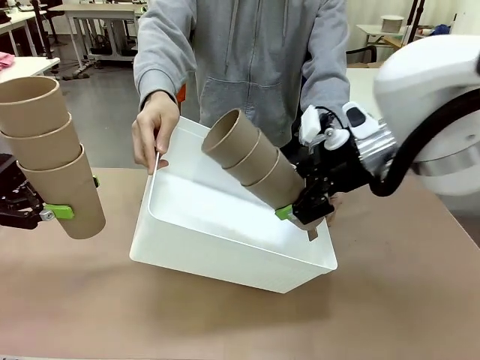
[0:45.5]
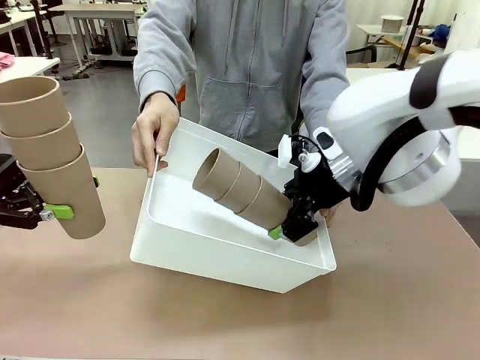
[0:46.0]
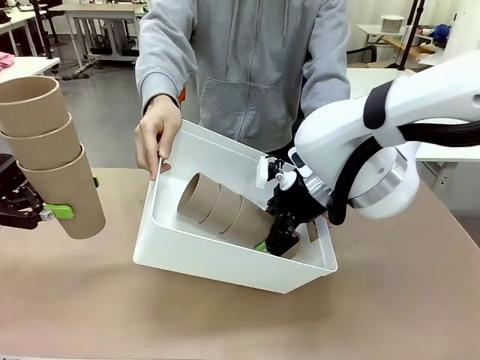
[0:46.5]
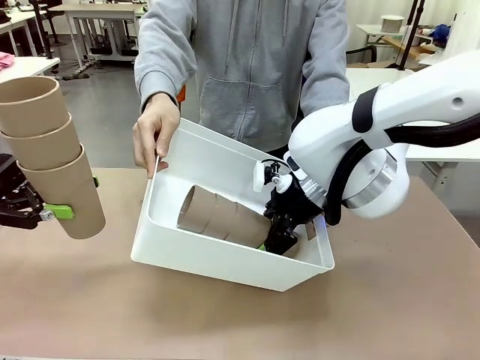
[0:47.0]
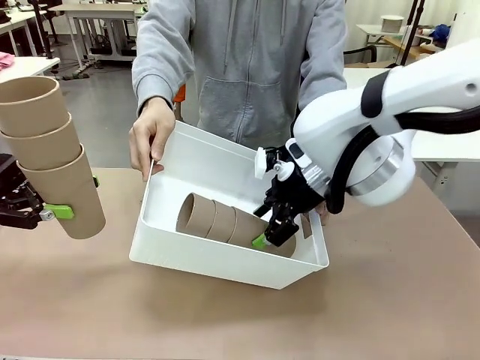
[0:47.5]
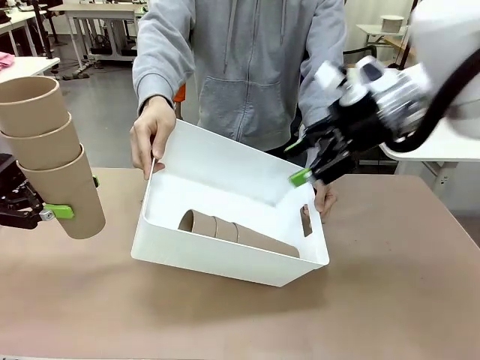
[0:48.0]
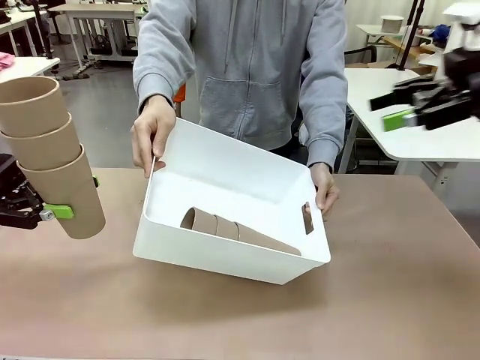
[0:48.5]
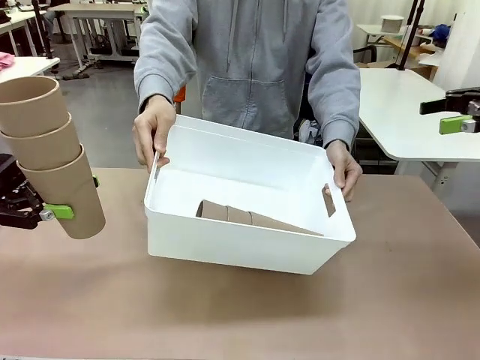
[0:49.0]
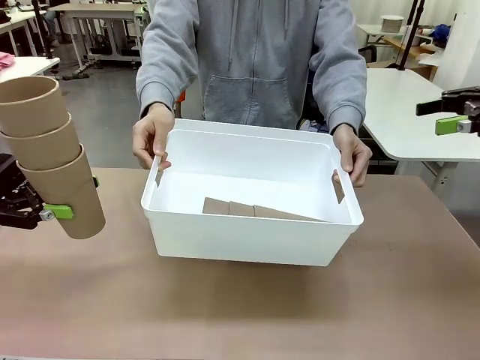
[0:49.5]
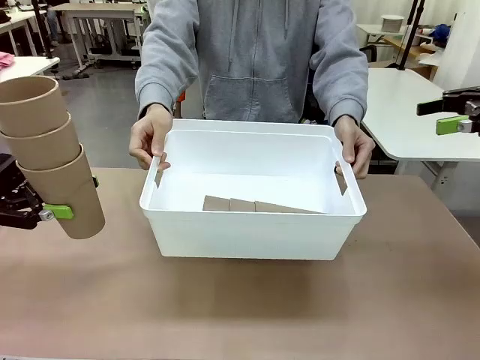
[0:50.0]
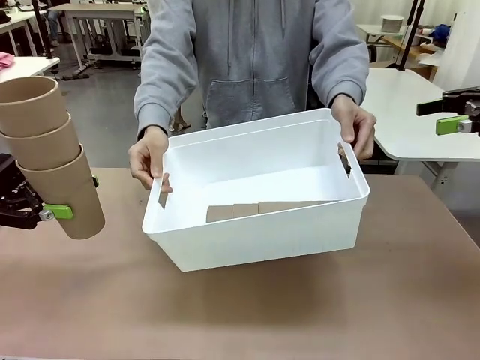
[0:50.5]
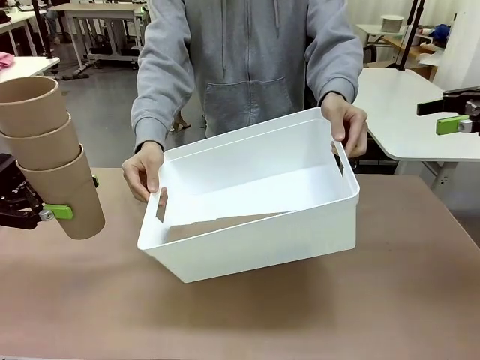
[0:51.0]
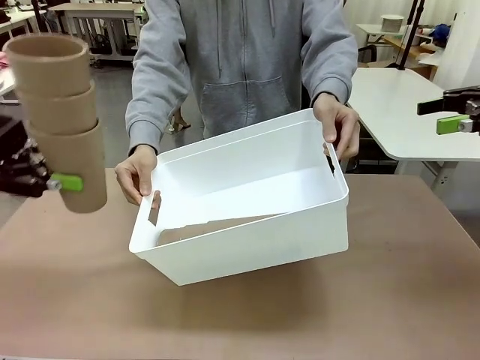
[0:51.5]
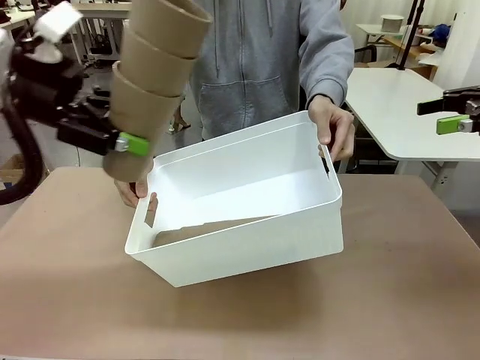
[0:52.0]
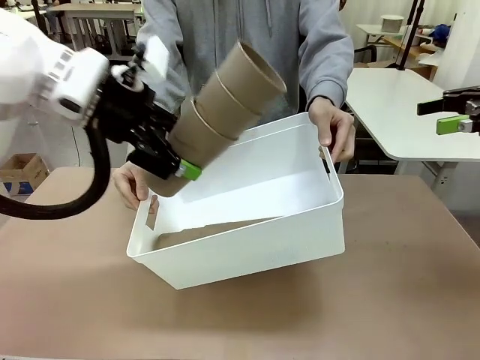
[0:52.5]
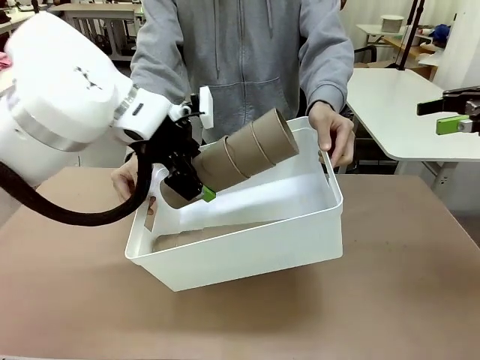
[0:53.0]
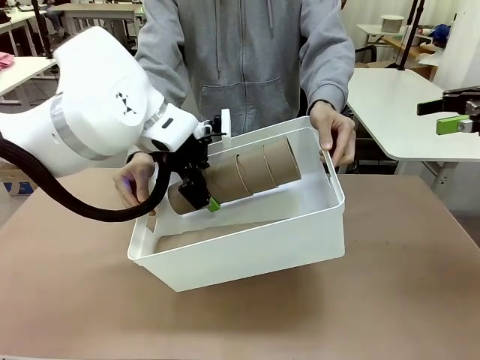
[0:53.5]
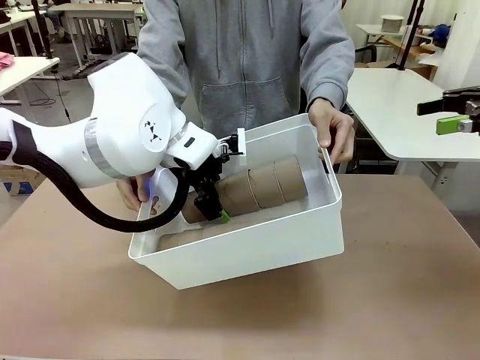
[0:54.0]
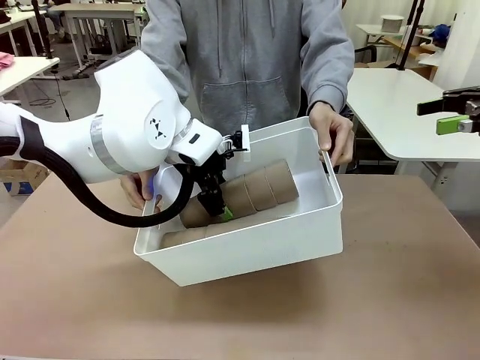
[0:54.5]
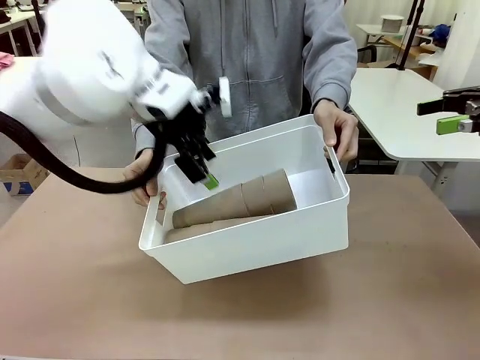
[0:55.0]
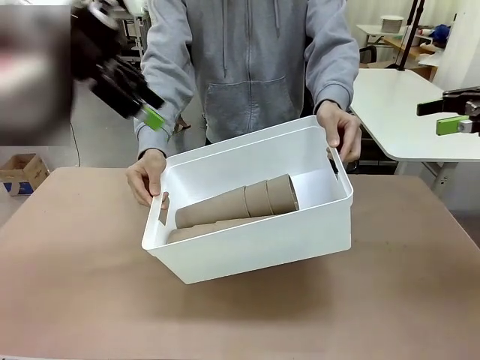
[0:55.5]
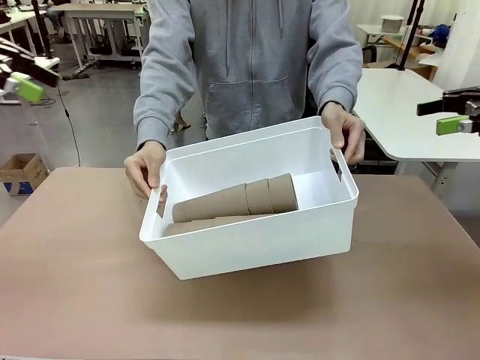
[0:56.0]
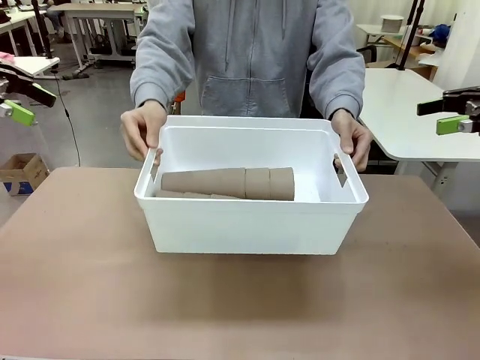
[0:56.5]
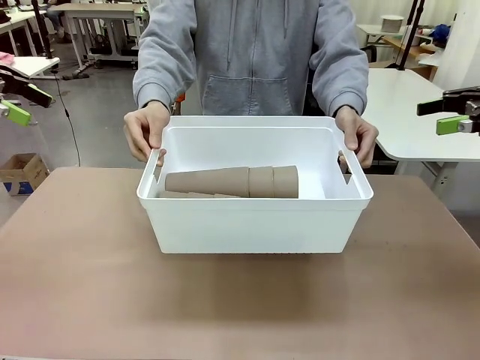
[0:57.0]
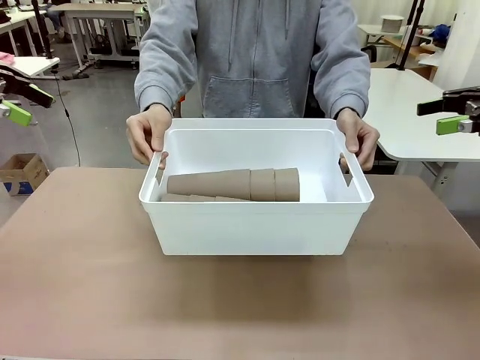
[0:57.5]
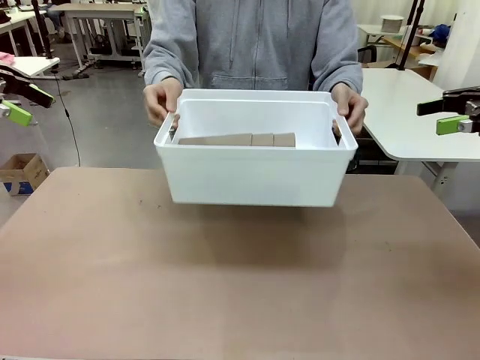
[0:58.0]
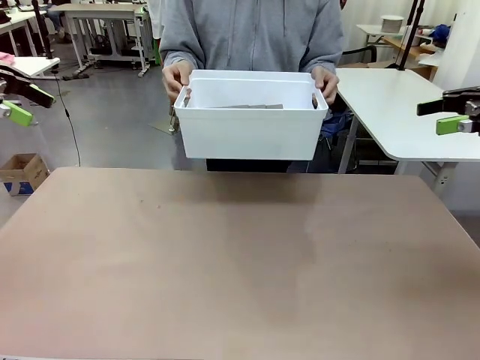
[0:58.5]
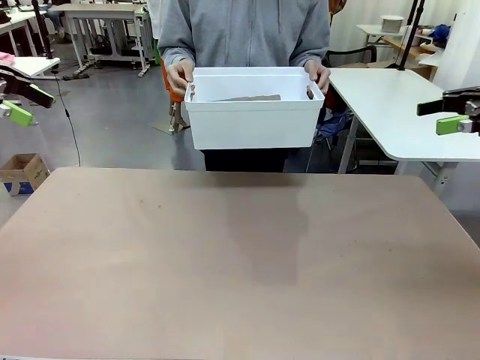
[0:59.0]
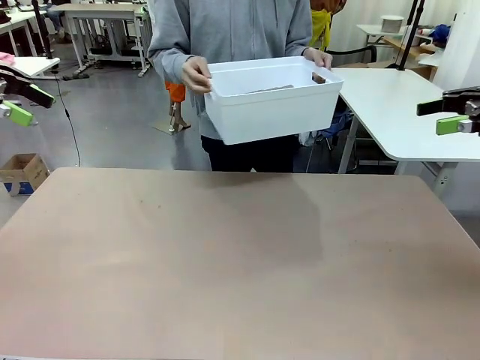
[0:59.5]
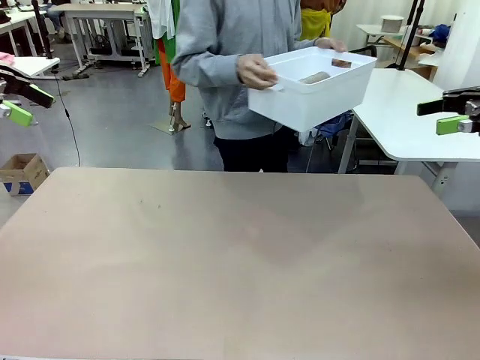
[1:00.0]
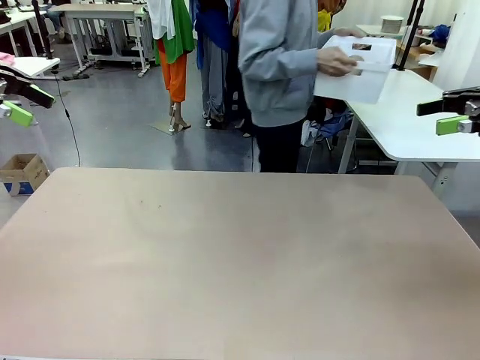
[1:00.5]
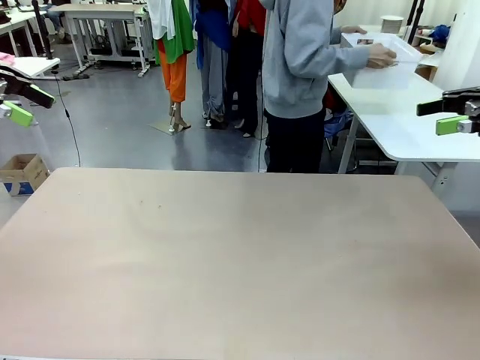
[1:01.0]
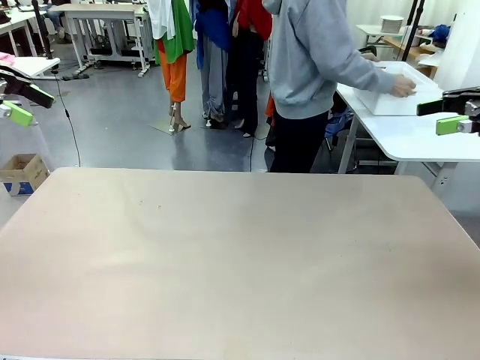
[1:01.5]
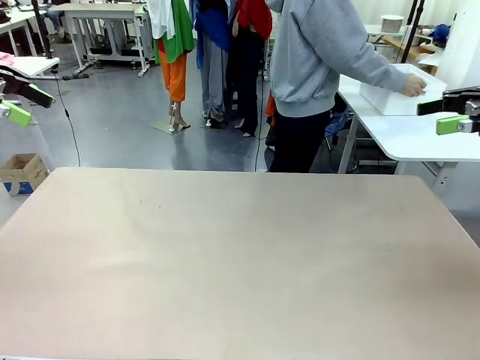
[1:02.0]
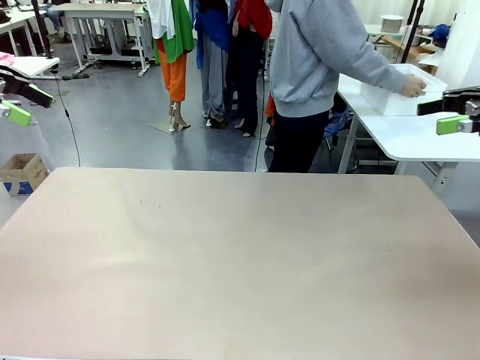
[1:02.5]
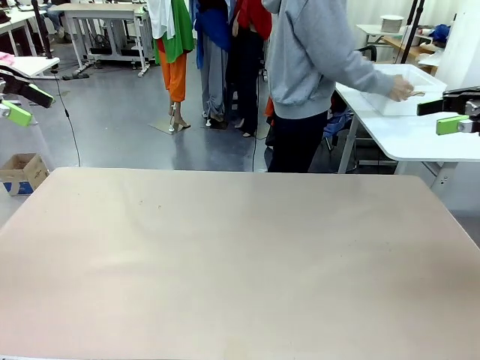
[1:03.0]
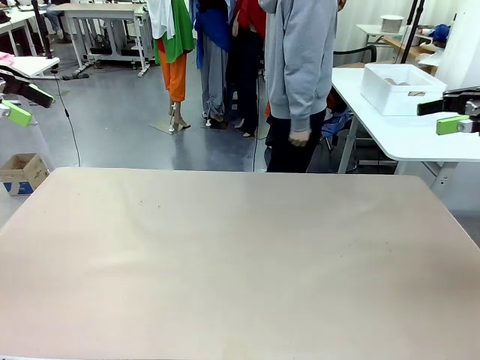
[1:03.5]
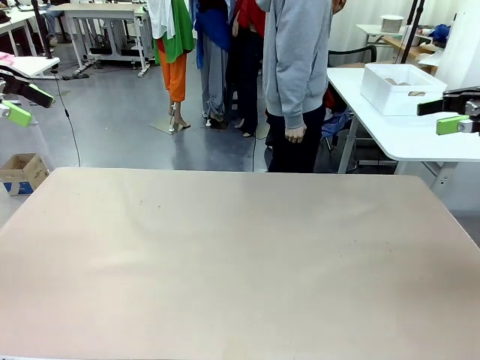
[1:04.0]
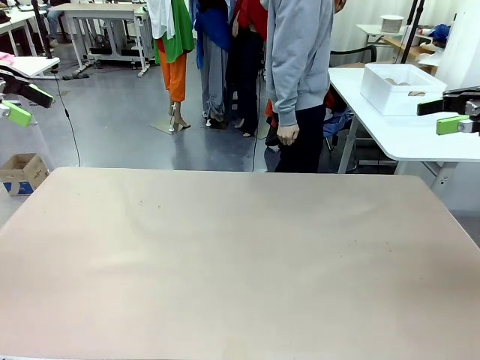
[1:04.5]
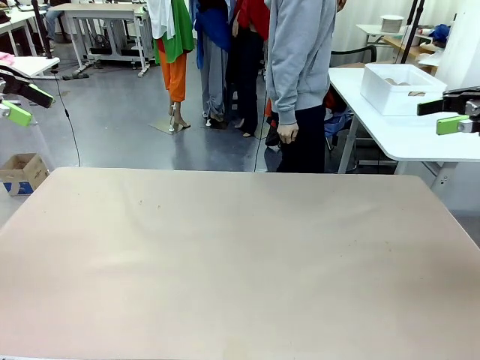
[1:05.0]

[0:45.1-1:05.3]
Task: Stack the cups and store them in the basket.
Robot: Place the stack of Reusable plastic cups into the Pantry Basket.
Person: Place the basket containing the cups in the middle of the Human Table.
